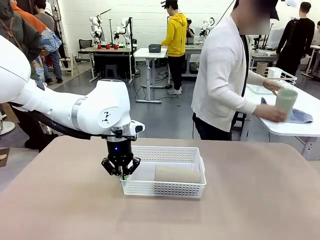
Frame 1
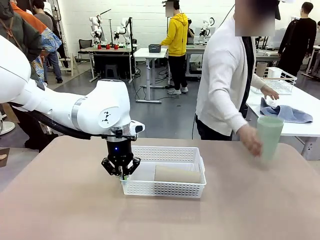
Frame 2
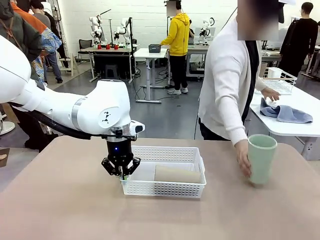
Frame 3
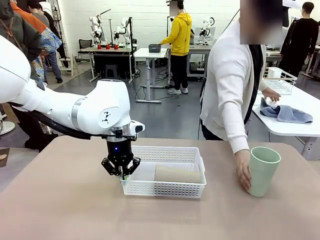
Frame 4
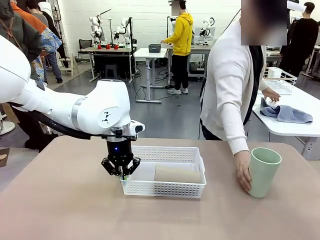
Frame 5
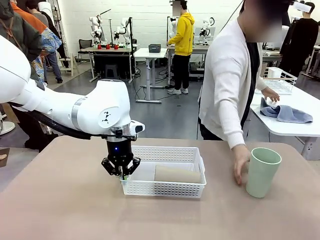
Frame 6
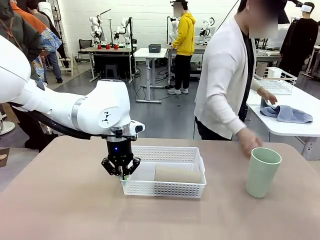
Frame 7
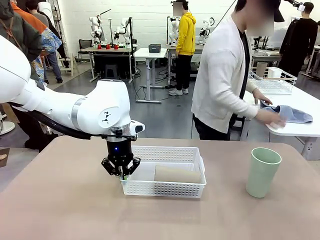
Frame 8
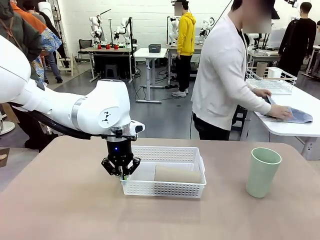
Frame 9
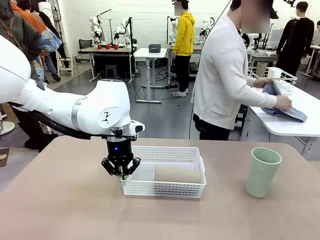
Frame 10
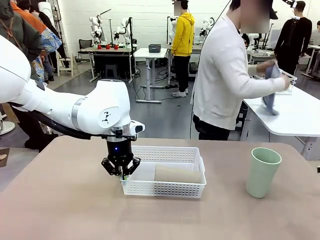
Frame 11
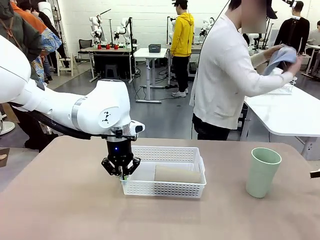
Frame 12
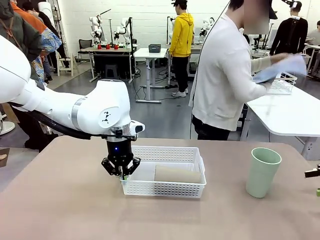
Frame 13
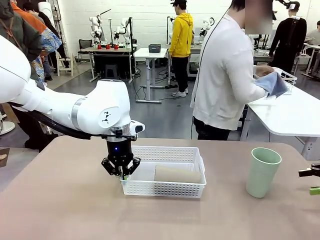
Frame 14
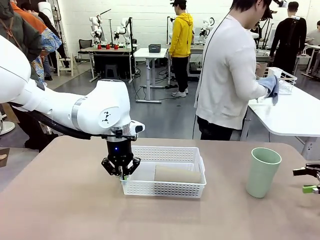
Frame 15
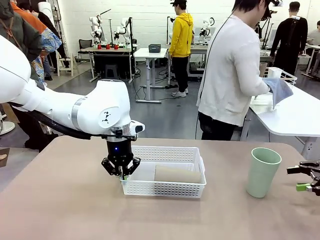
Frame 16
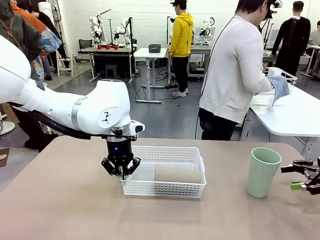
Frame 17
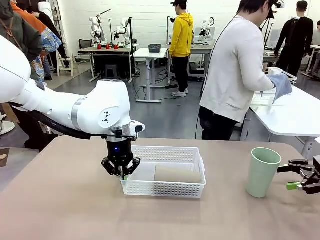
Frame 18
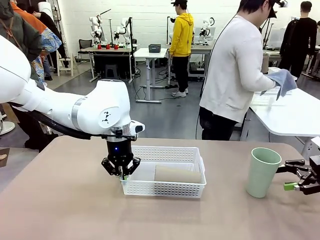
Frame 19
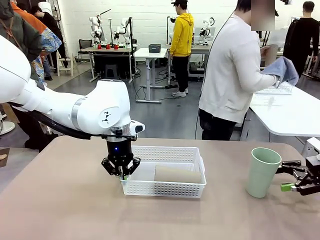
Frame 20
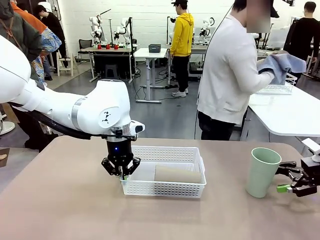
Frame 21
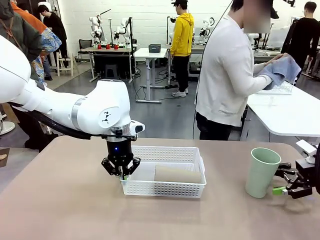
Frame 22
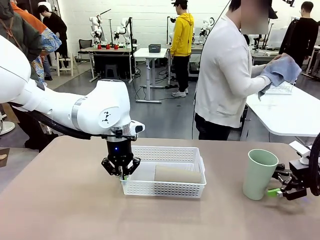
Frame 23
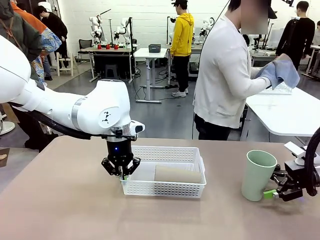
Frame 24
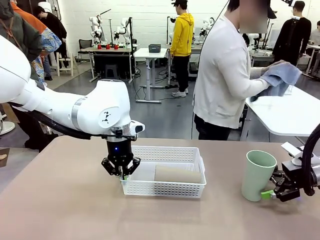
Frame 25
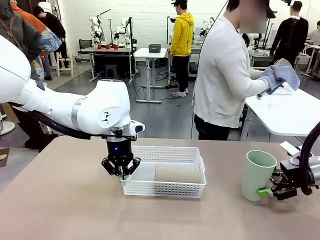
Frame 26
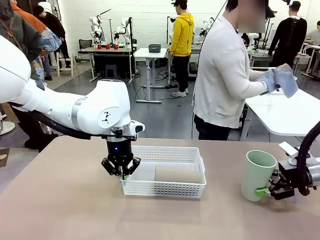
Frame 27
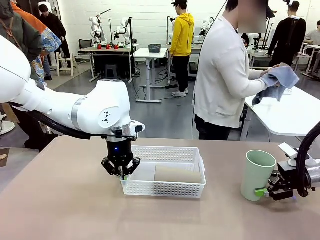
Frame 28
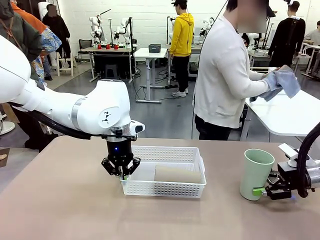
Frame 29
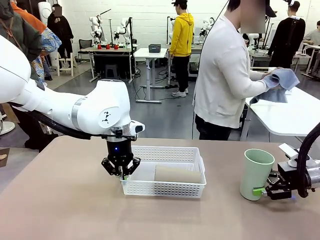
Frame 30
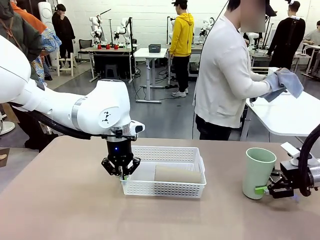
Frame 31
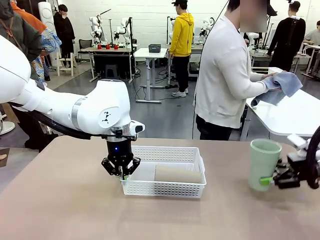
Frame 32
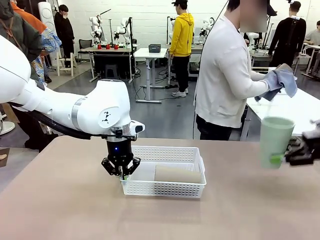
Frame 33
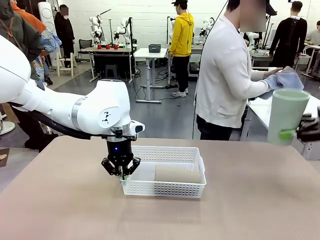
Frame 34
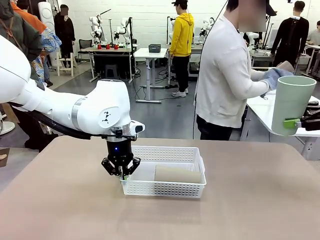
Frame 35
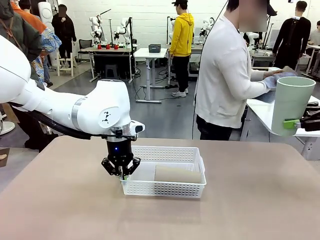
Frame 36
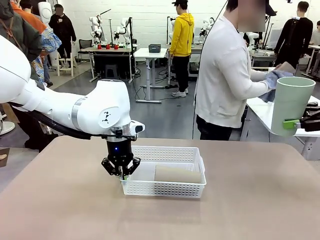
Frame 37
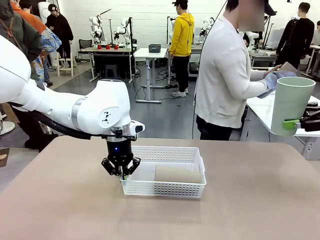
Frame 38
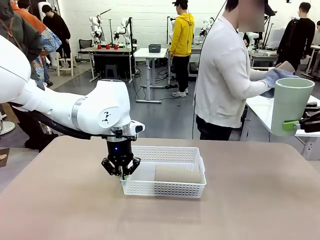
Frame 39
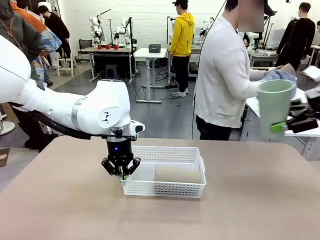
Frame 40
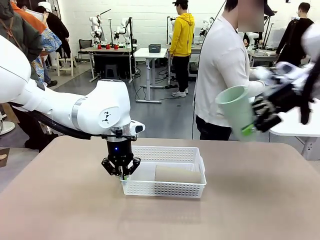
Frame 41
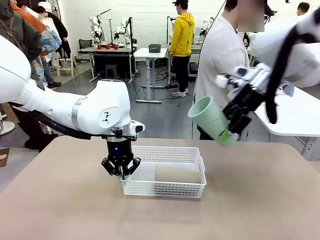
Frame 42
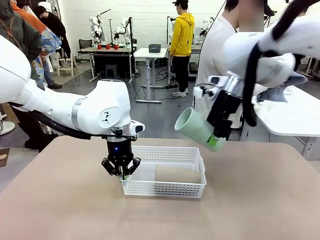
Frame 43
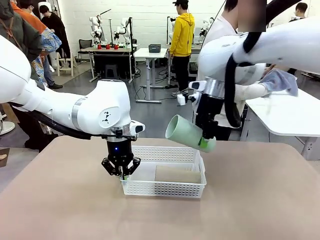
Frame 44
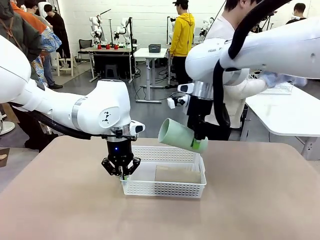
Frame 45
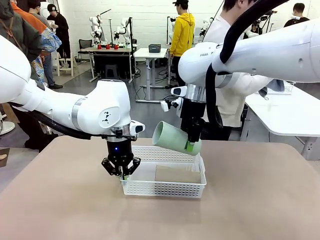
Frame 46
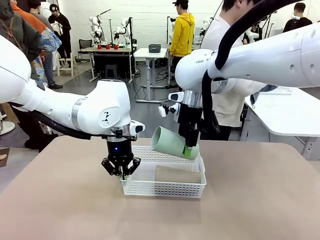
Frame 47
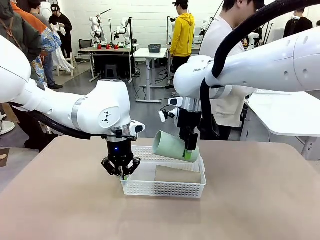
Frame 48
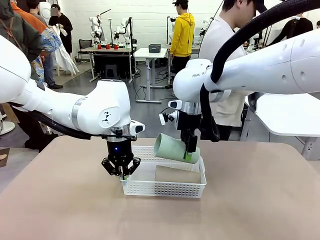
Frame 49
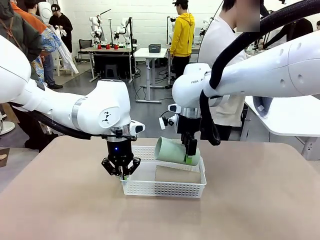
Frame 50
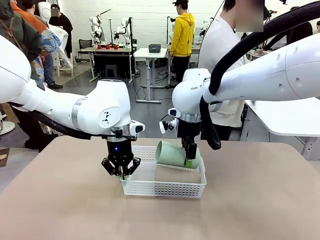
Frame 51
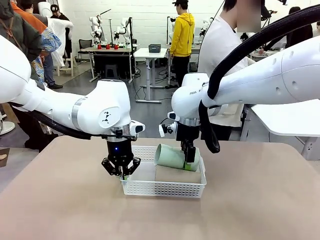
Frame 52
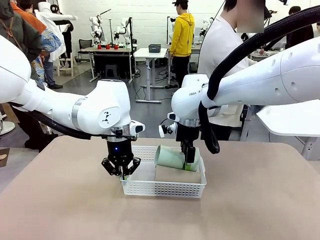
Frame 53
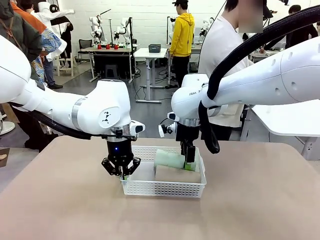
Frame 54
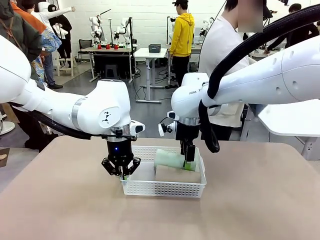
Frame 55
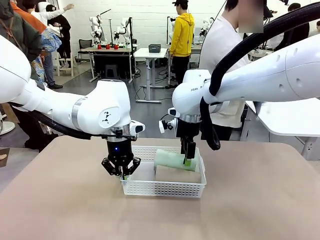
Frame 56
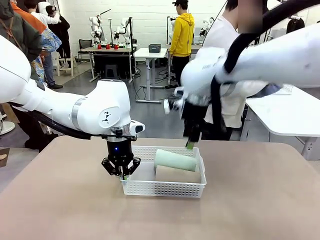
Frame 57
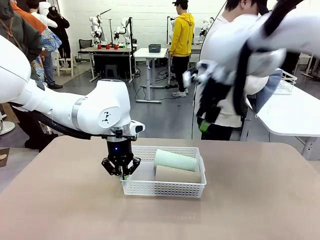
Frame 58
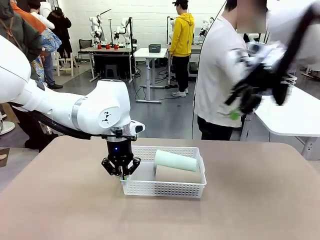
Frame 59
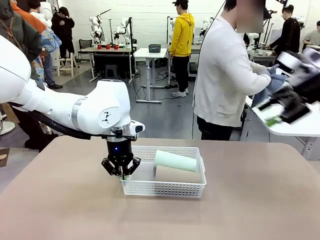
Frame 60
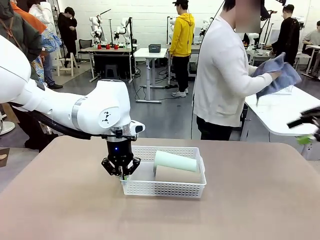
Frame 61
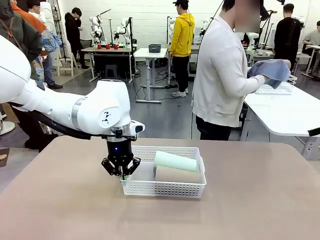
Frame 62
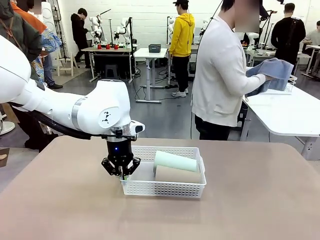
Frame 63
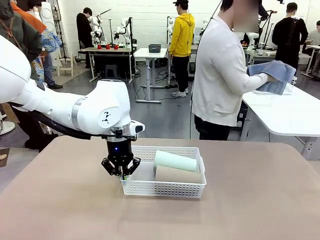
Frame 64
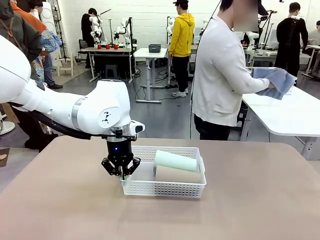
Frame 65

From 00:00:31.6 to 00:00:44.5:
Task: Clean and organize the cups into the basket.
Robot: Pick up the Reusable plastic cup from the right side of the table and stack it inside the Organizing basket in the center of the table.
